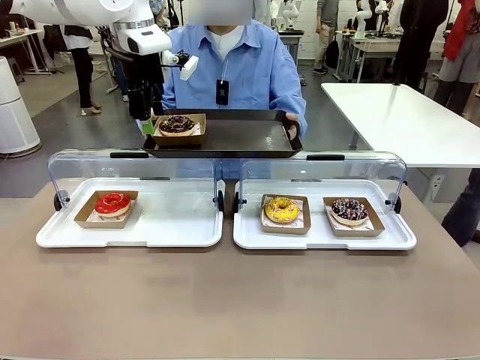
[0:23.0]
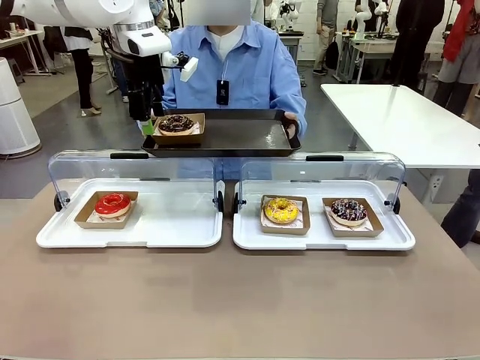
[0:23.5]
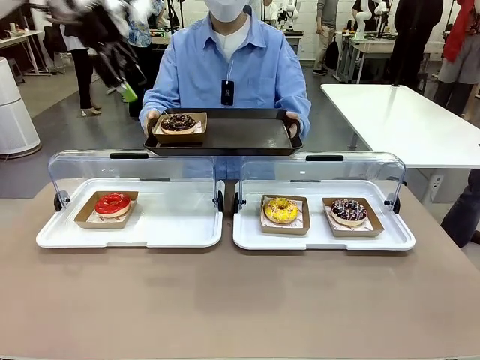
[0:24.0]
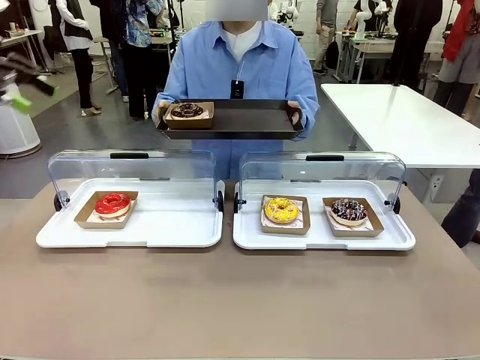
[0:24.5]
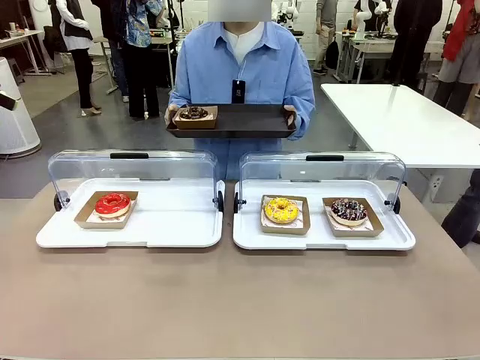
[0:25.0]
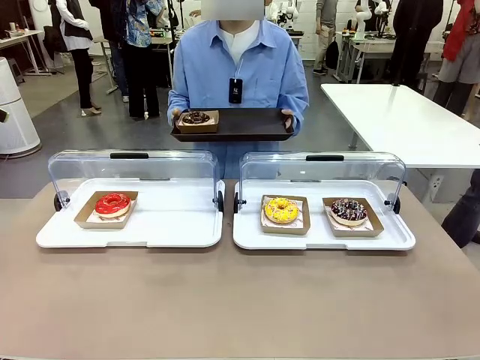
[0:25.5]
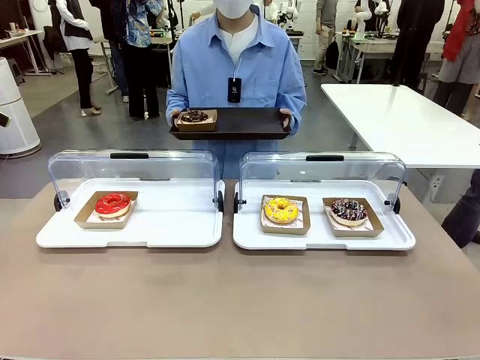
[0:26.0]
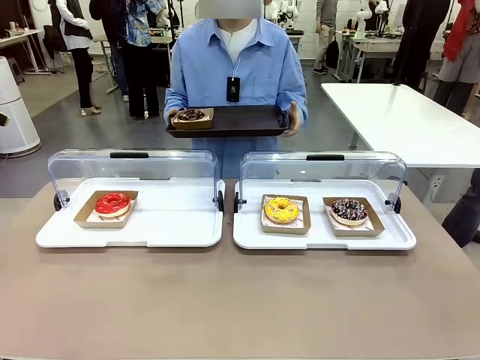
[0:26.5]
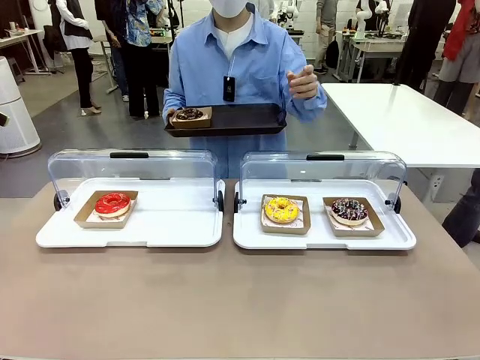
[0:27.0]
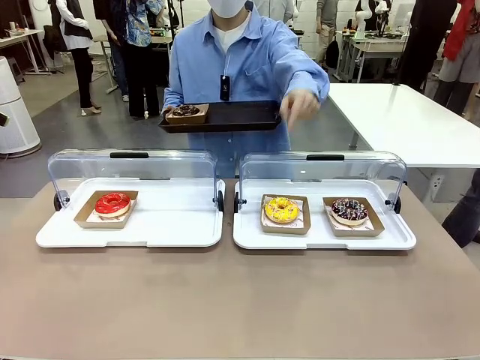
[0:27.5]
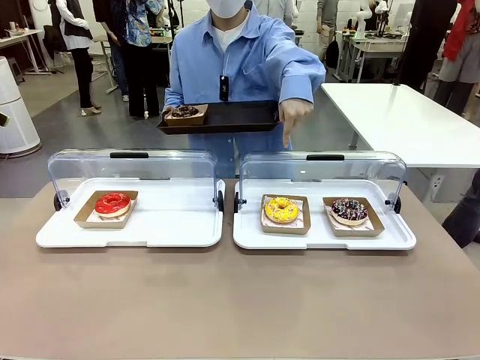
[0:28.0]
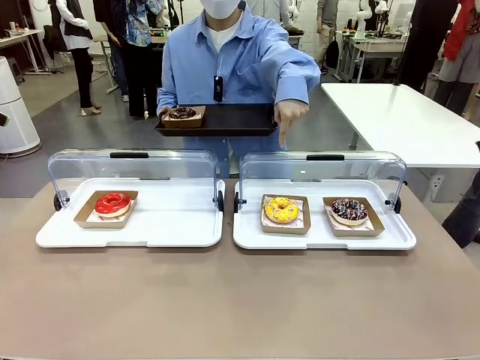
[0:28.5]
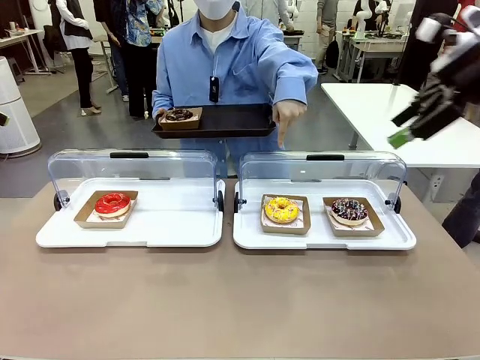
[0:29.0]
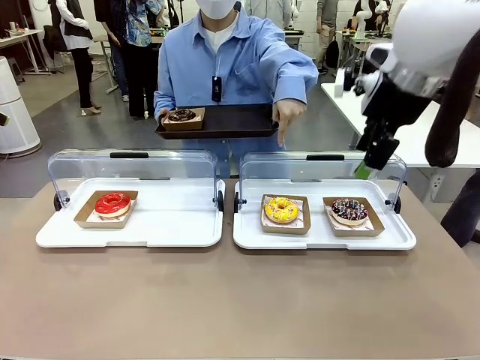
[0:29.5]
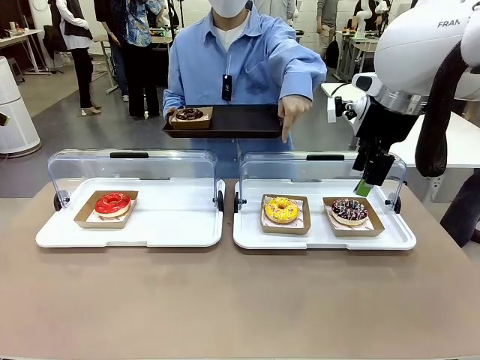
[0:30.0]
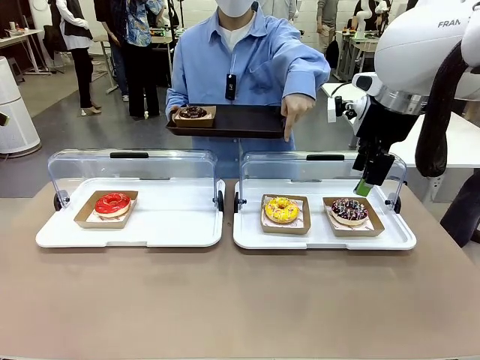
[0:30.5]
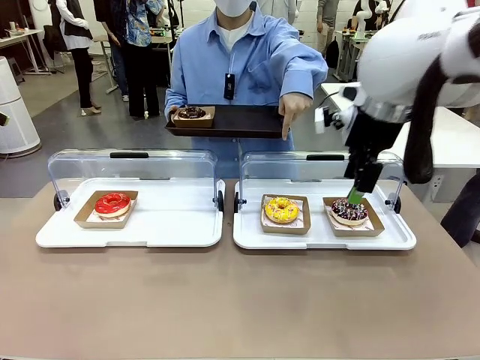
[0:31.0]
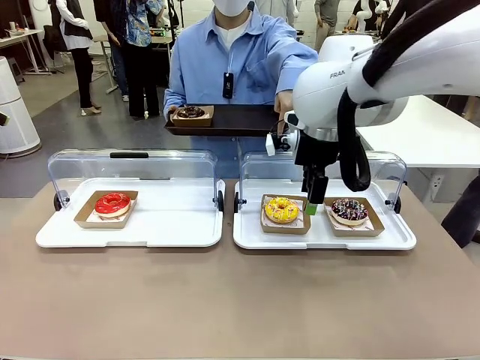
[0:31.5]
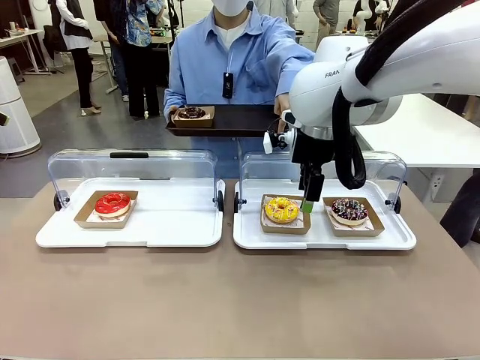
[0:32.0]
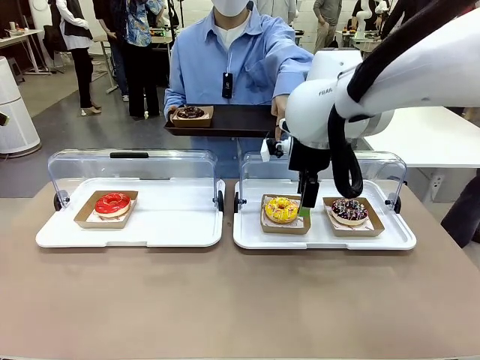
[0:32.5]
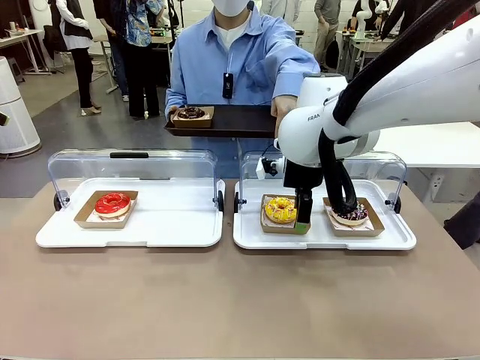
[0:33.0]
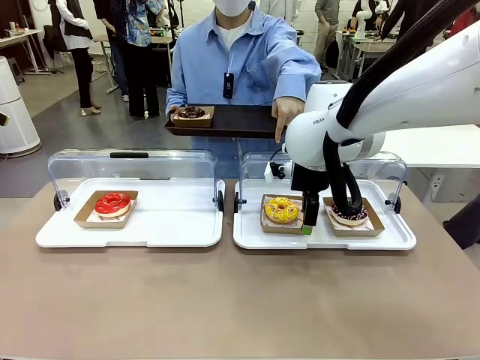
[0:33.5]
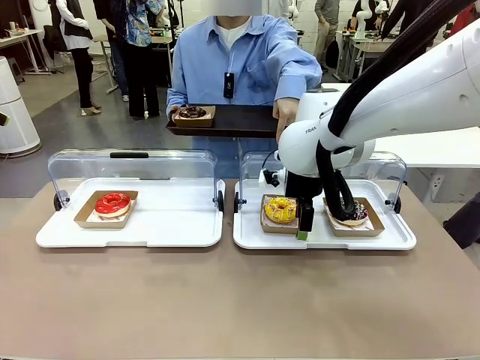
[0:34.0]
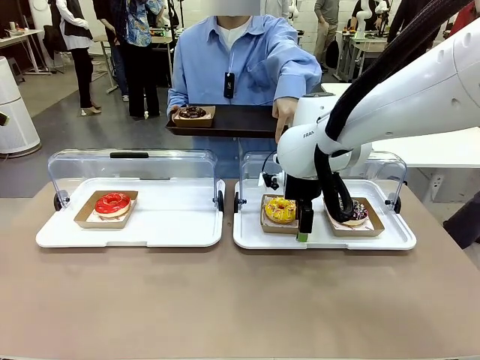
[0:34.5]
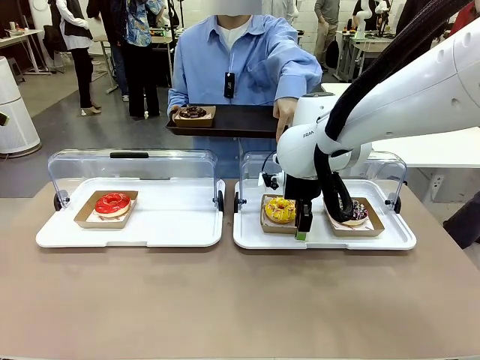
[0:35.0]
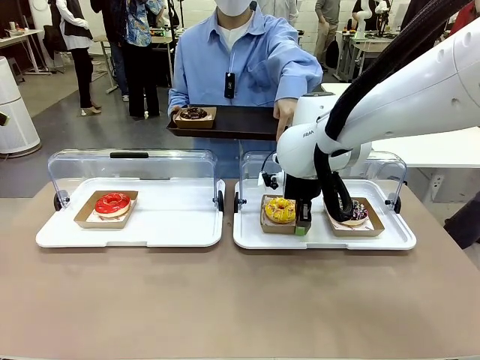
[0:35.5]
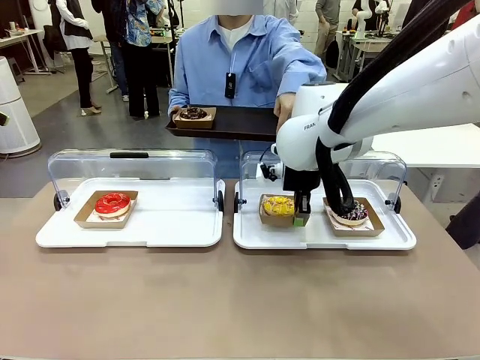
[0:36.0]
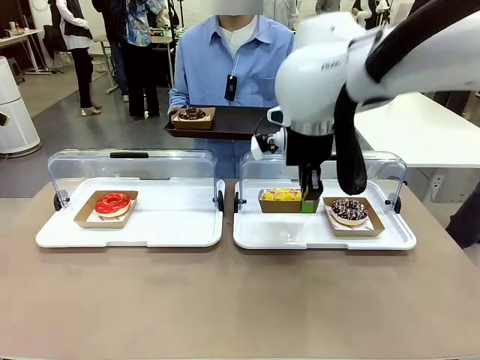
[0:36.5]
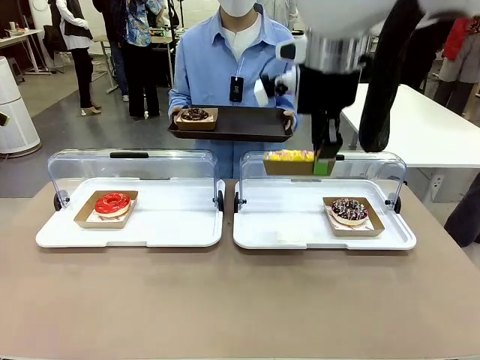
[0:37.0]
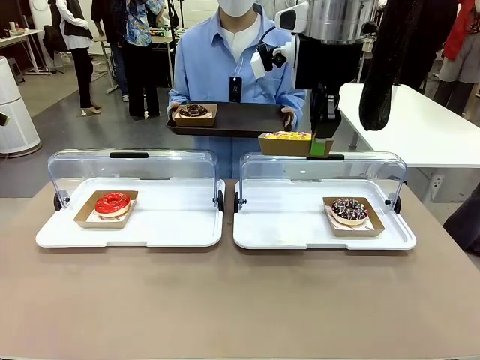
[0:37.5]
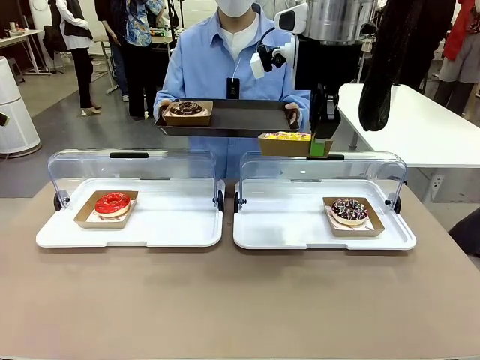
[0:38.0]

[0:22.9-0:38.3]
Task: Provide the desired donut to the person.
Robot: Pick up and lift the Paper togo box containing the Donut pointed at by the person.
Person: Point to one donut. Lift the tray onto the Roll-Top Bakery Case.

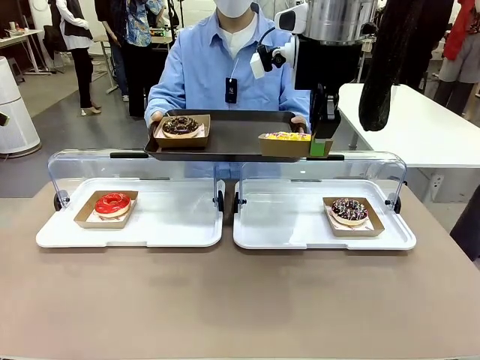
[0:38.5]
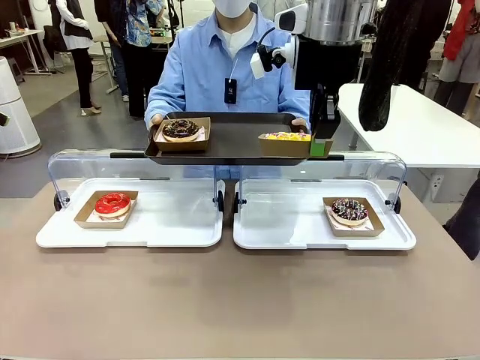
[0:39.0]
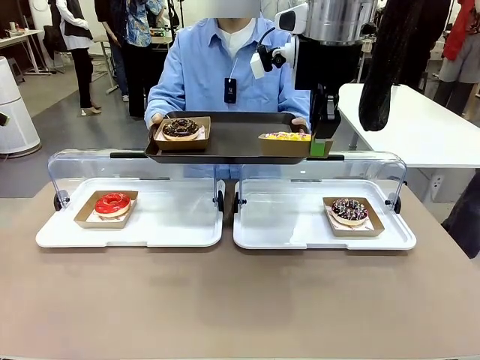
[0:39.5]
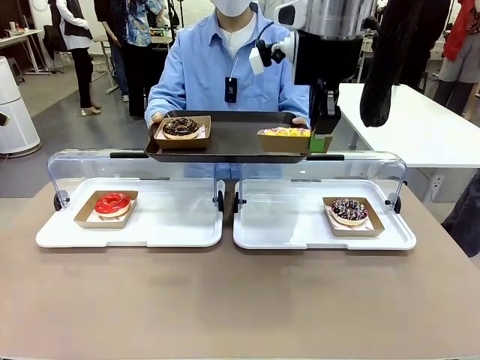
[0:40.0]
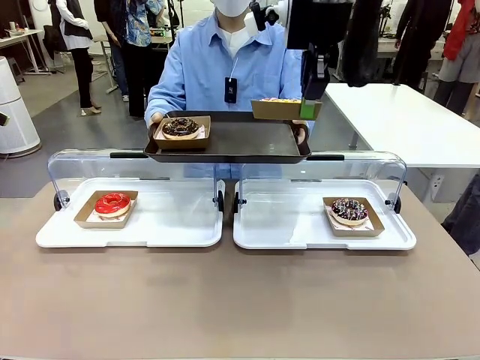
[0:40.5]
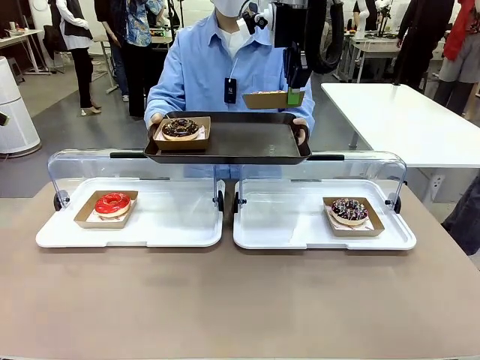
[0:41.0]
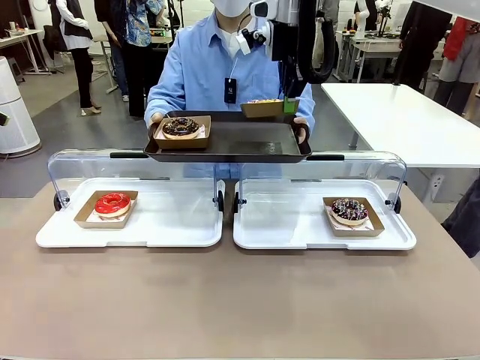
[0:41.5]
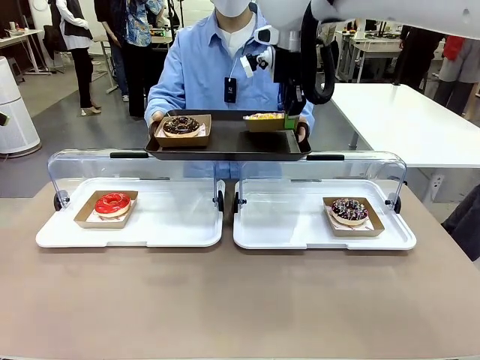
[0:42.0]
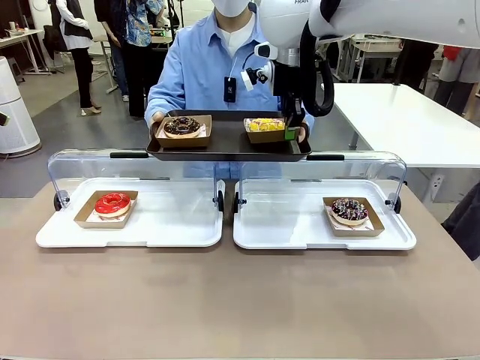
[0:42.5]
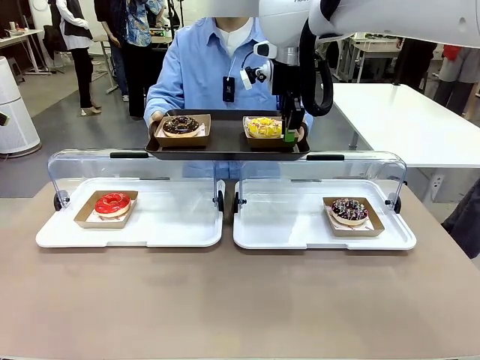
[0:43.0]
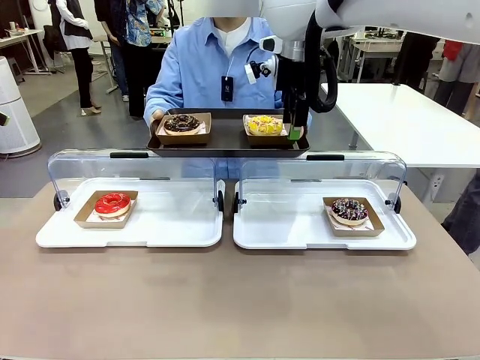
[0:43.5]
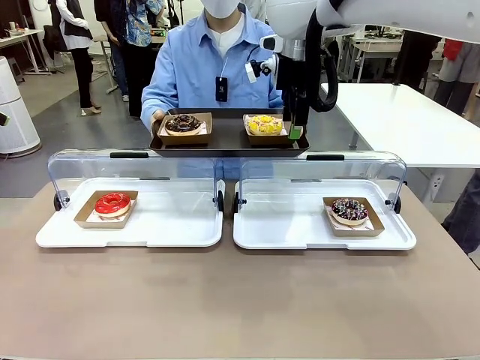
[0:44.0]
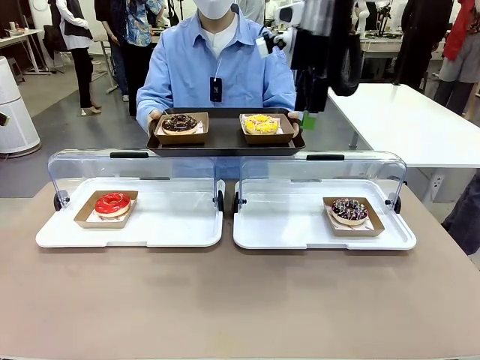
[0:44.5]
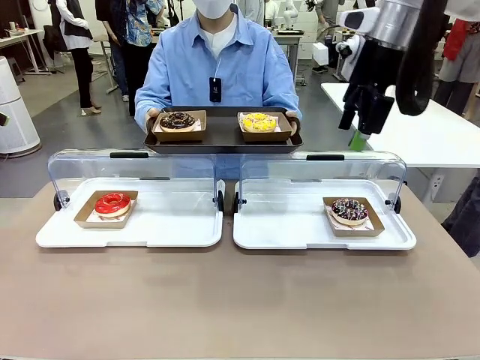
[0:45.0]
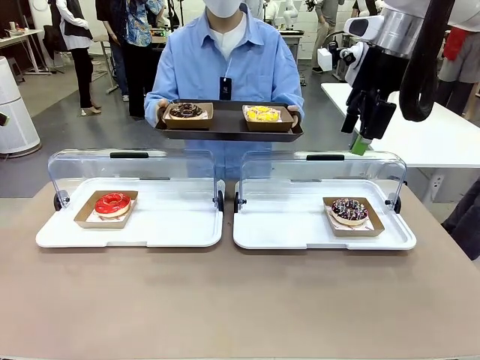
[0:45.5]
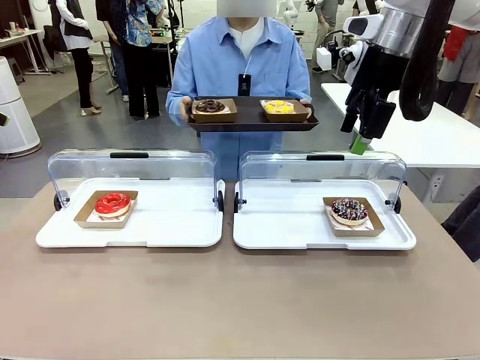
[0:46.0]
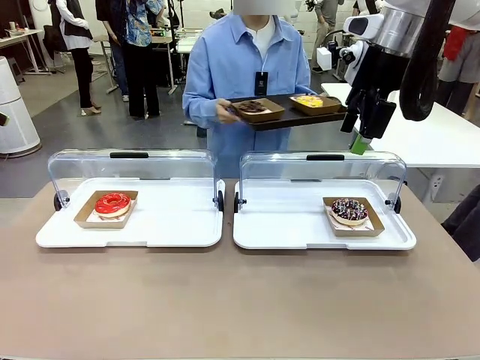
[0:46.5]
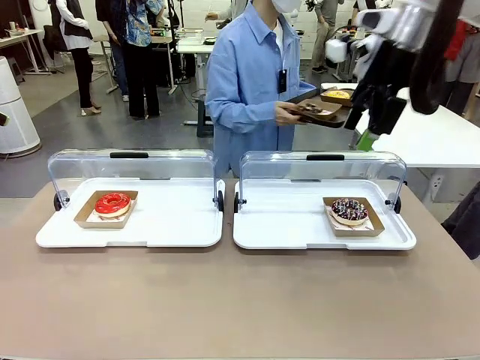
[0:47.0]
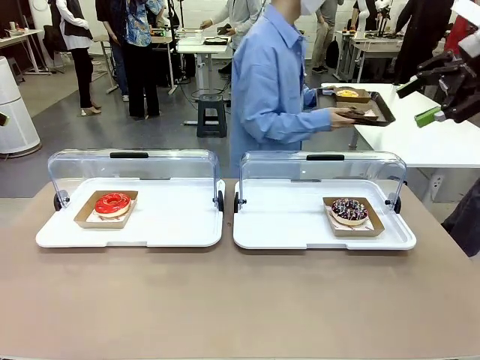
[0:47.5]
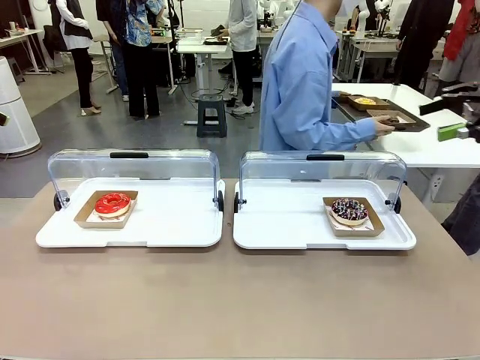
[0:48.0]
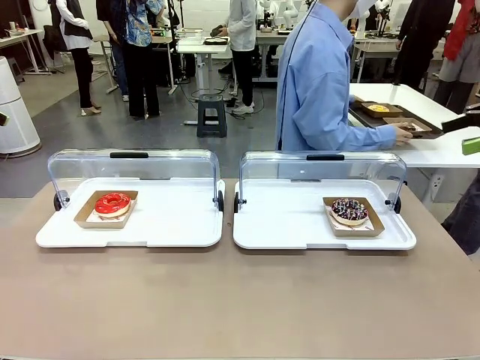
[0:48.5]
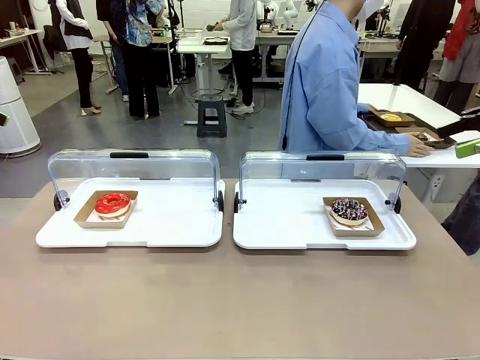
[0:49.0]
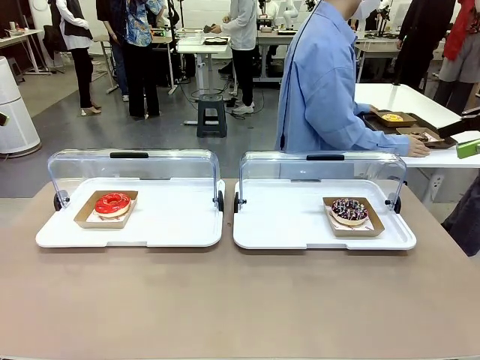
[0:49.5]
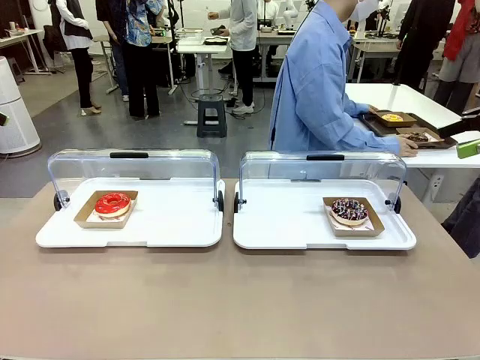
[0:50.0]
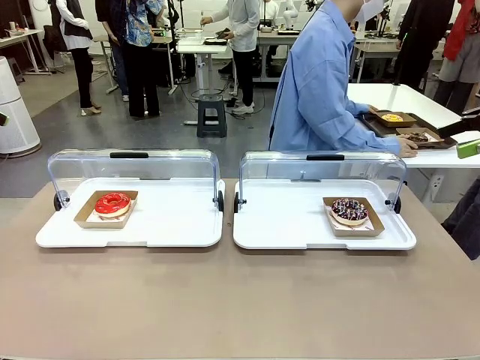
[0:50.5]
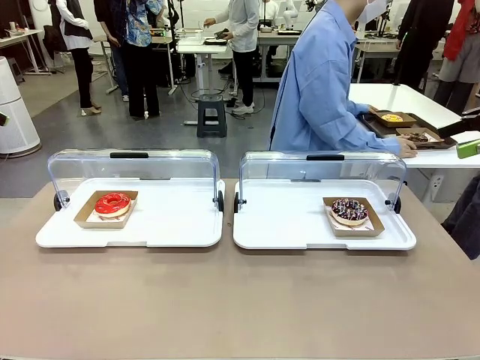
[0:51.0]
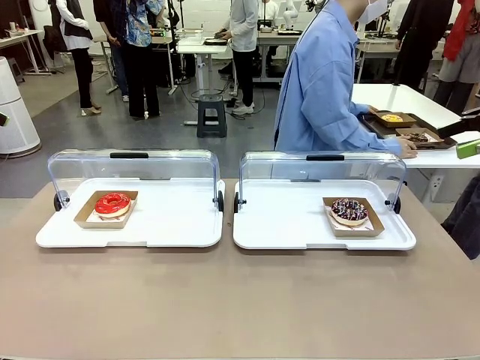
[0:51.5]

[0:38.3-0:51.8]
Robot: Place the picked Paper togo box onto the Handle tray extended by the person.
Person: Place the tray in the middle of the human table.
